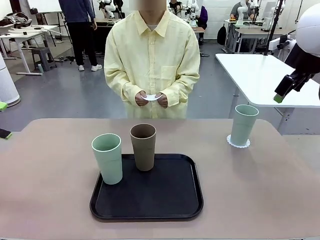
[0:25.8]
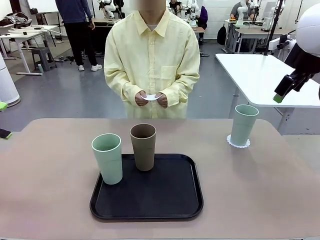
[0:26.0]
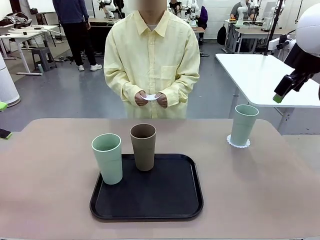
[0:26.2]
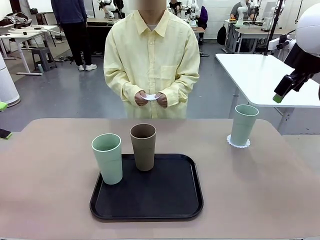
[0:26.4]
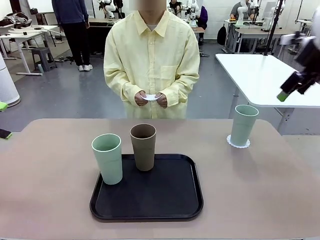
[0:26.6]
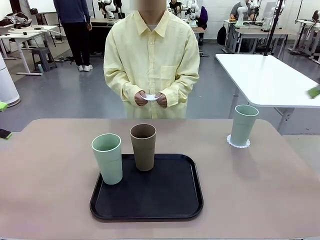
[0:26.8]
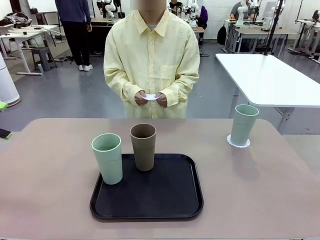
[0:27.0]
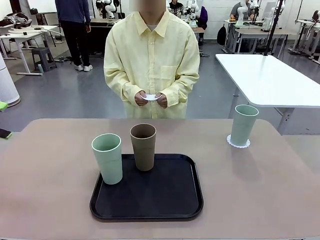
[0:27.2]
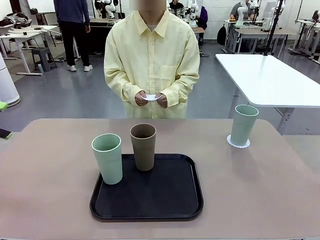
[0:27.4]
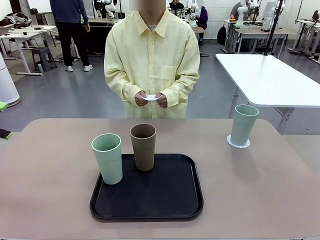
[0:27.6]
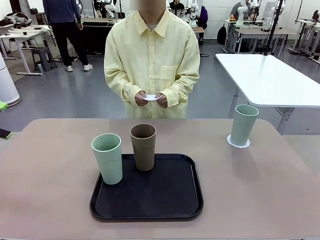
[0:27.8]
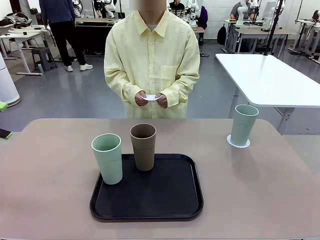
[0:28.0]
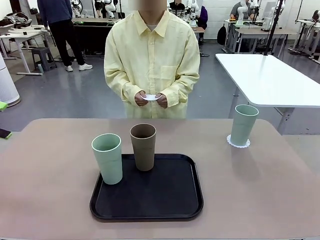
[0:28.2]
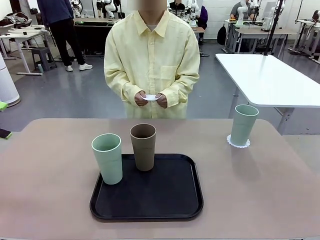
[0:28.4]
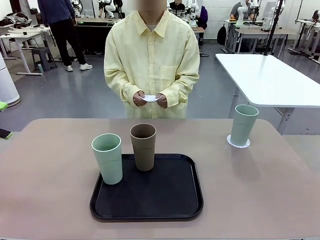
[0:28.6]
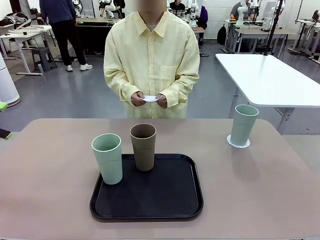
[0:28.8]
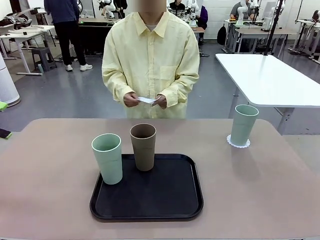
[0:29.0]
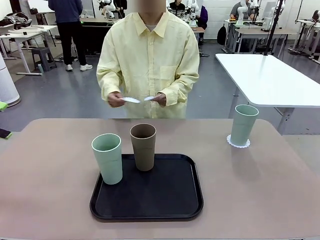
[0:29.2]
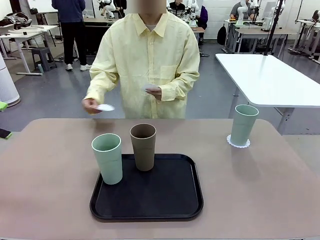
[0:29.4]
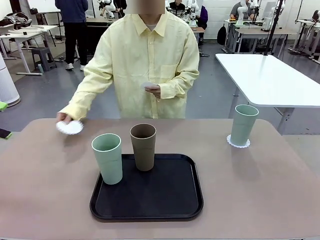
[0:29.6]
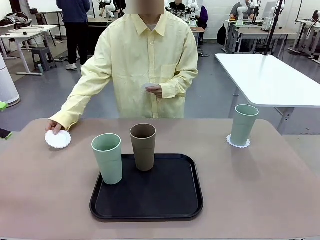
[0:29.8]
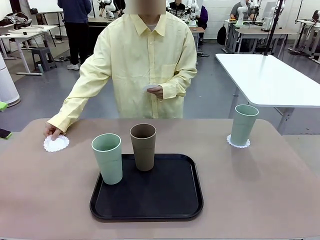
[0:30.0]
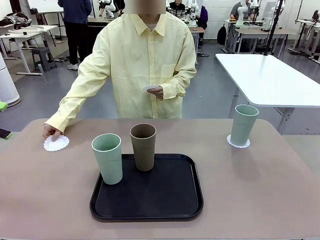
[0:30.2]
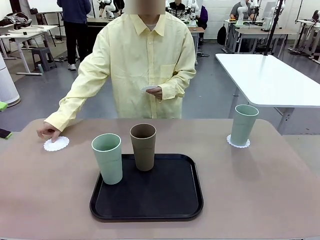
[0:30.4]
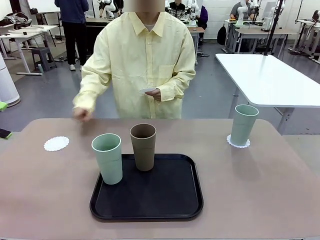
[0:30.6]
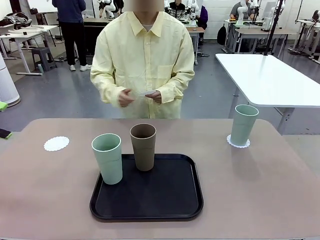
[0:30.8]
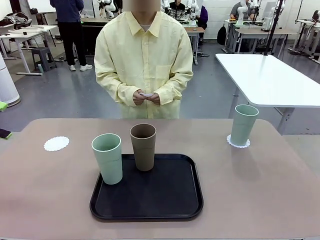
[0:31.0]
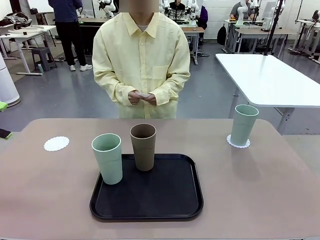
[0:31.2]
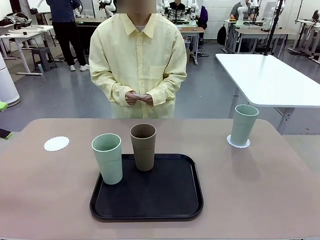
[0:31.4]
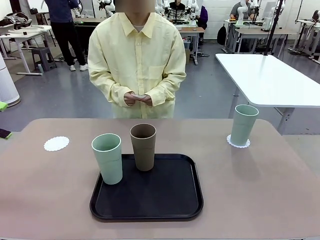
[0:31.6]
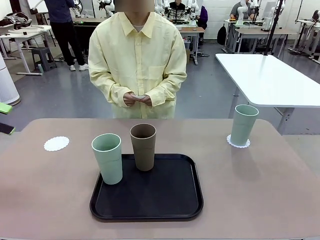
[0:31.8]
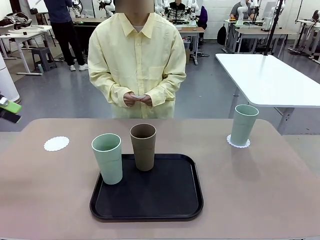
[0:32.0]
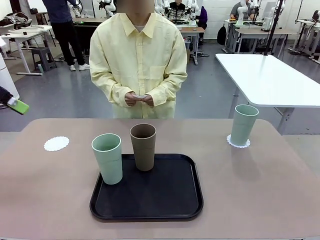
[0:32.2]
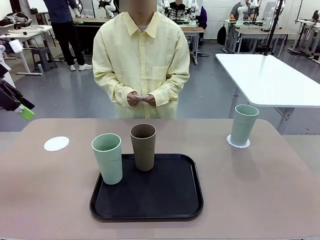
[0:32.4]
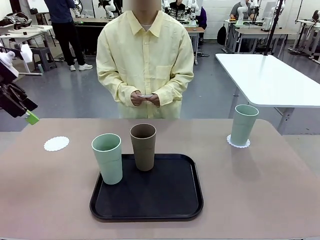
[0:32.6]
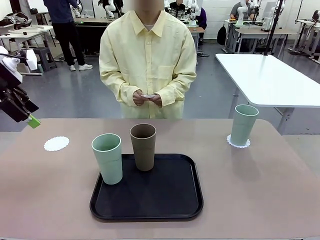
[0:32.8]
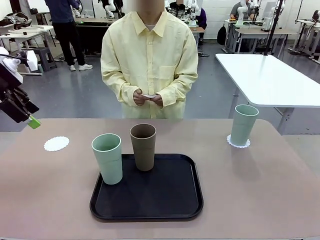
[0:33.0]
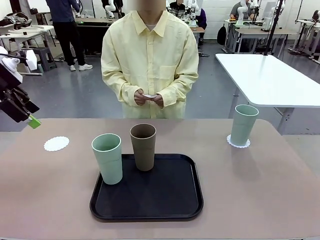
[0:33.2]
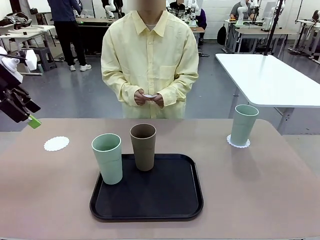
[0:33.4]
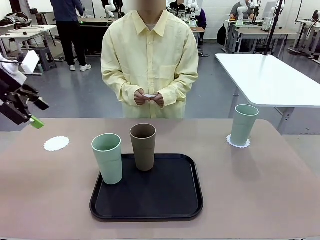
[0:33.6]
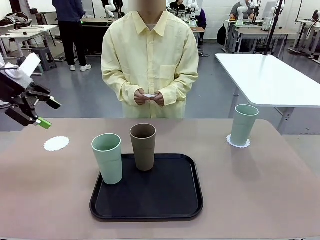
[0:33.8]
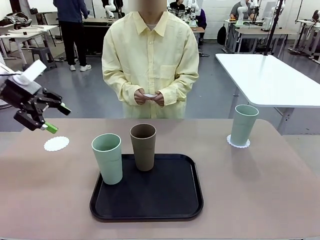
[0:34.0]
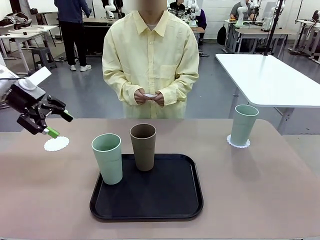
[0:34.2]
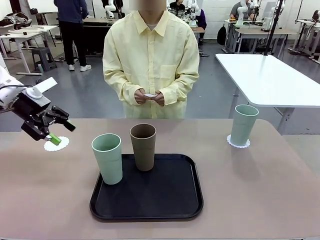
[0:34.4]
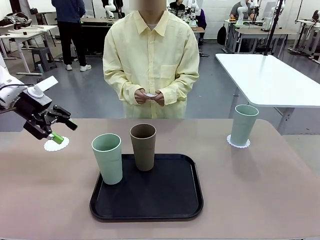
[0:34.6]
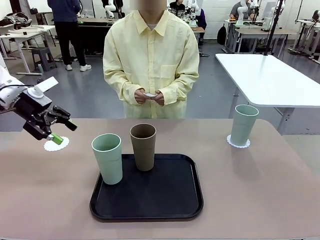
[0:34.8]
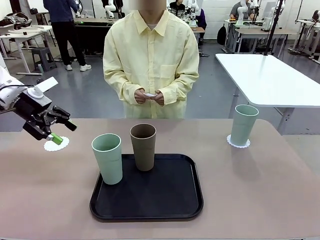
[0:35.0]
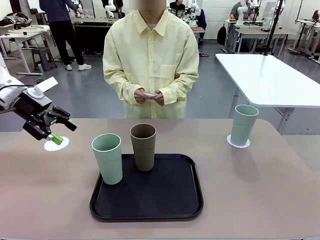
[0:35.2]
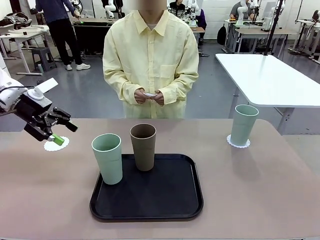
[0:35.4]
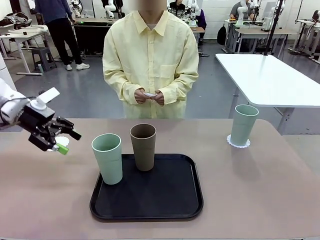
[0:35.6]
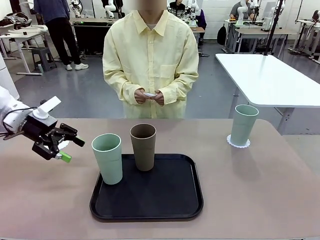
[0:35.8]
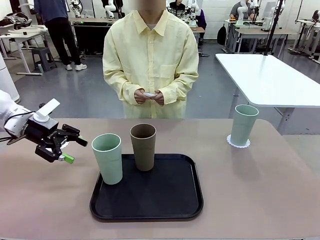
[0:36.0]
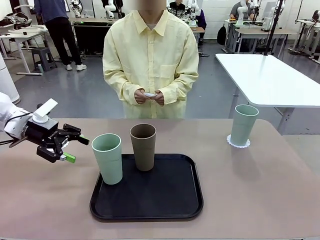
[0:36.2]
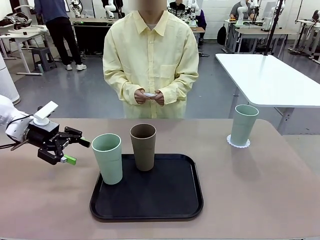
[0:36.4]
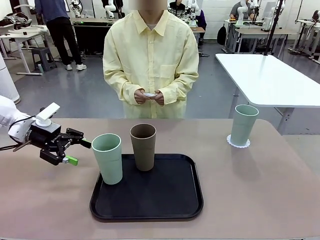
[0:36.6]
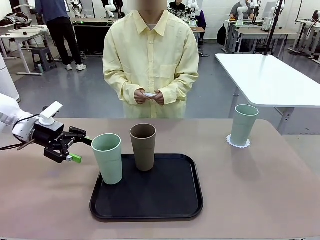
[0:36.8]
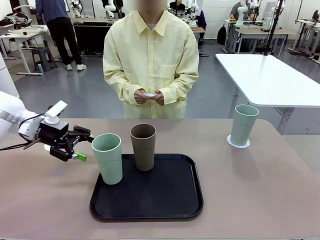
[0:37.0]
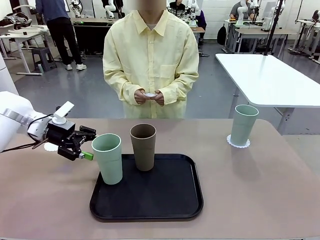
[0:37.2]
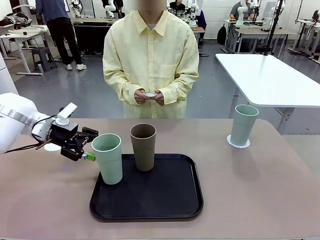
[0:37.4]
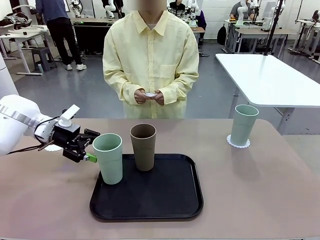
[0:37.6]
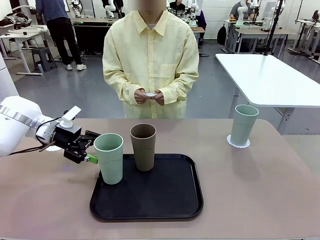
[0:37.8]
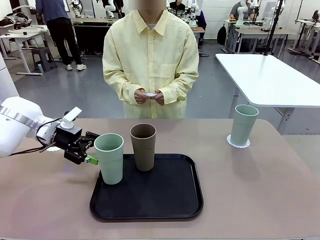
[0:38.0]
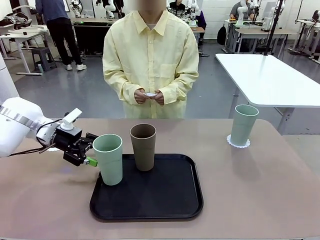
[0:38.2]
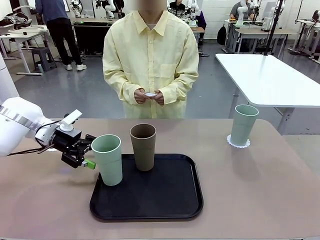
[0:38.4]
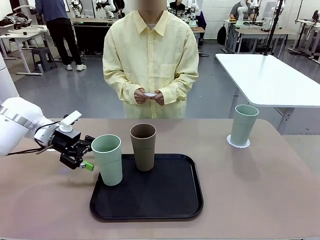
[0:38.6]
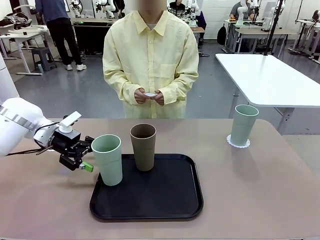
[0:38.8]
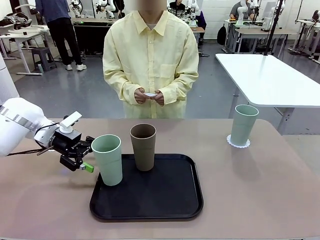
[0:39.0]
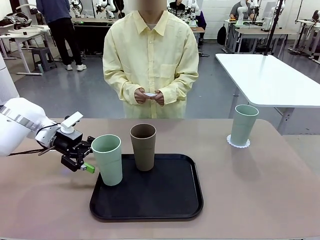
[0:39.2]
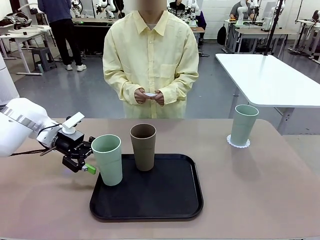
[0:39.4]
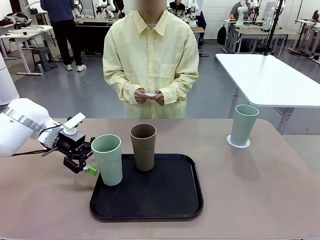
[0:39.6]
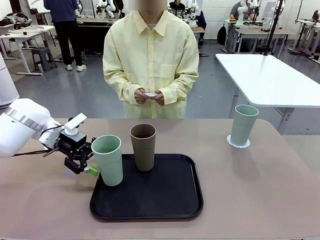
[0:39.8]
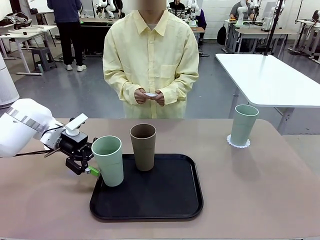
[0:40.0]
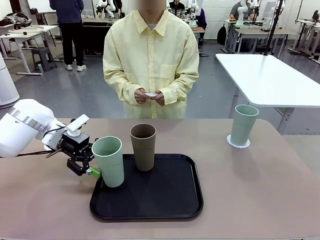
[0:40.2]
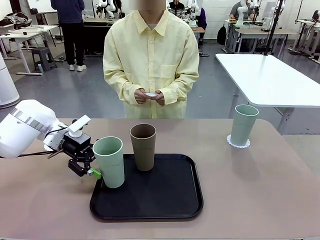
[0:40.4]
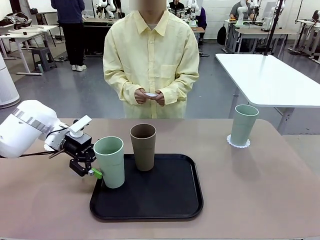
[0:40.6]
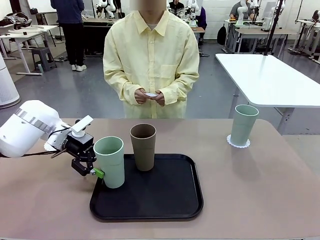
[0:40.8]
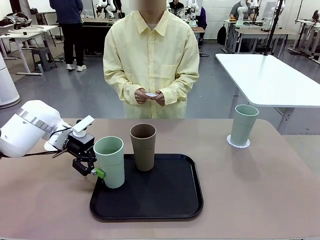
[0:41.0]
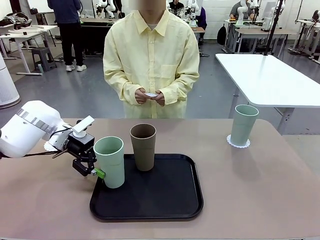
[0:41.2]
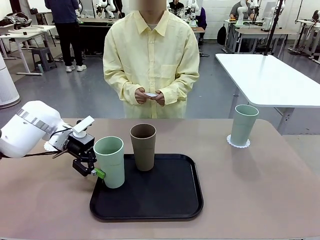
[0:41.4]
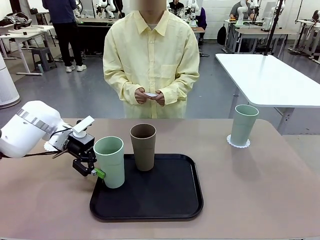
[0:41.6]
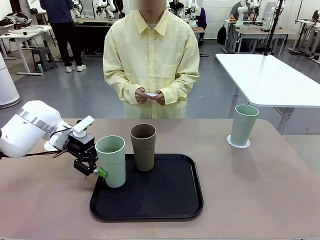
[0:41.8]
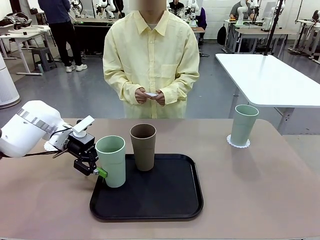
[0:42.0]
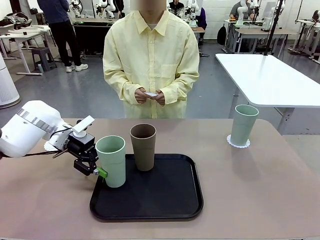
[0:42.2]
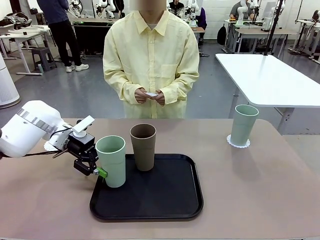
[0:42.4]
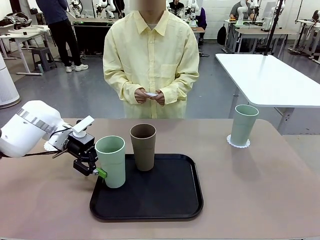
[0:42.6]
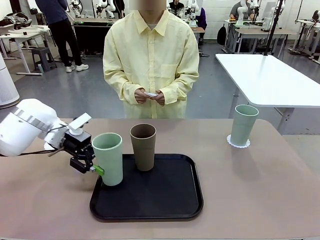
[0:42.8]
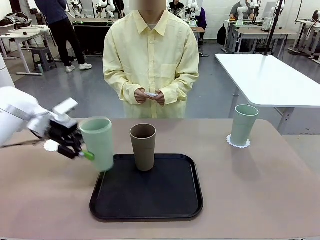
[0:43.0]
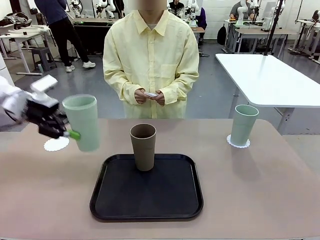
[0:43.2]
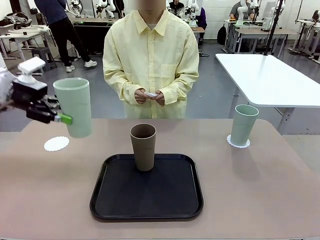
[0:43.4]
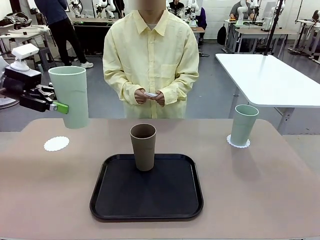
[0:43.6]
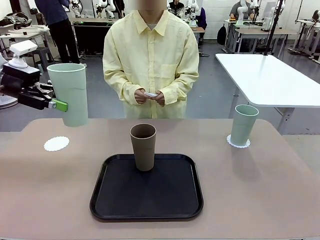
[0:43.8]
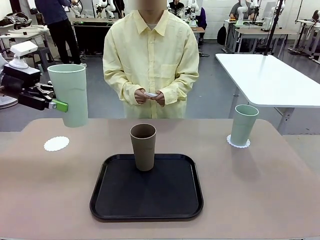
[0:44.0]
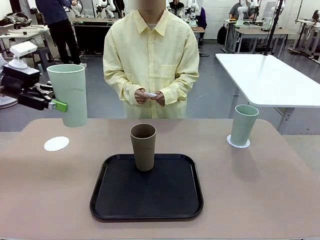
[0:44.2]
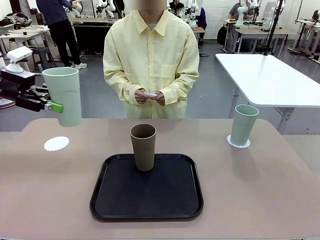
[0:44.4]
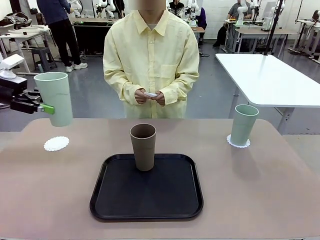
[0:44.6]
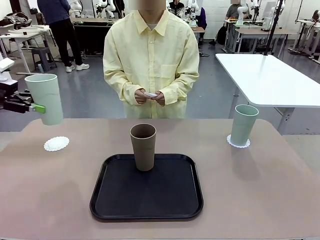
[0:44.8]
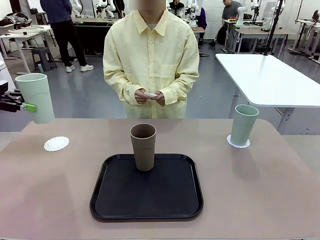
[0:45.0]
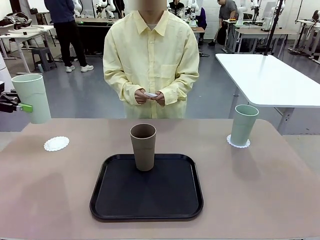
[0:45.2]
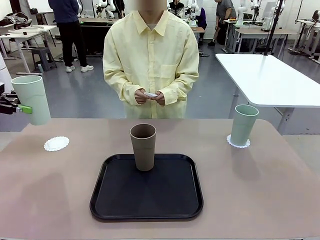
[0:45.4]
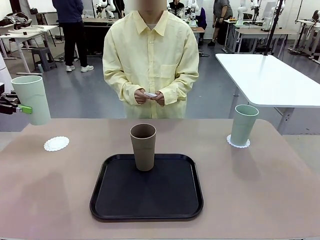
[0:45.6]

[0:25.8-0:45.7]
Task: Place coasters on the table and set cups on them.
Robot: Take one Reusable plastic cup from the Flat Tray and place it on a coaster set by the human.
